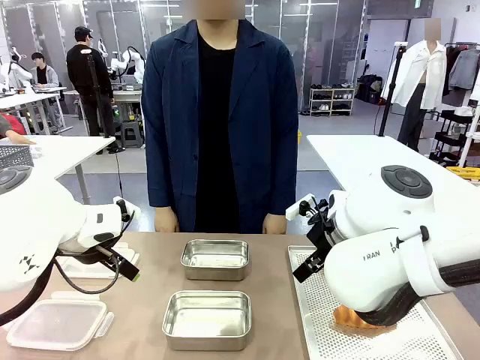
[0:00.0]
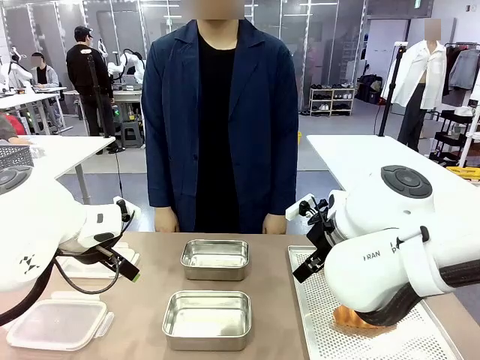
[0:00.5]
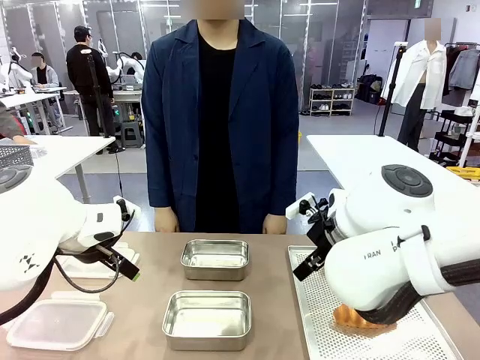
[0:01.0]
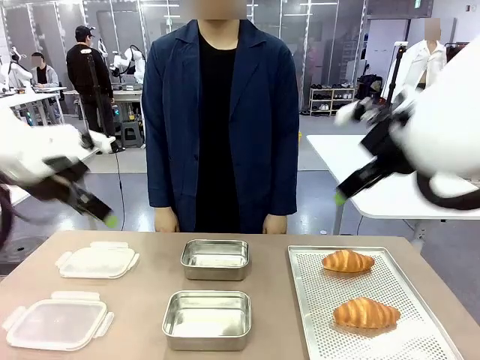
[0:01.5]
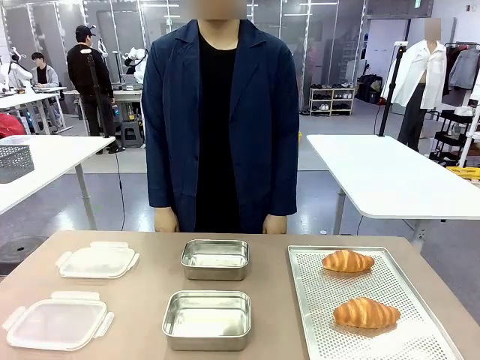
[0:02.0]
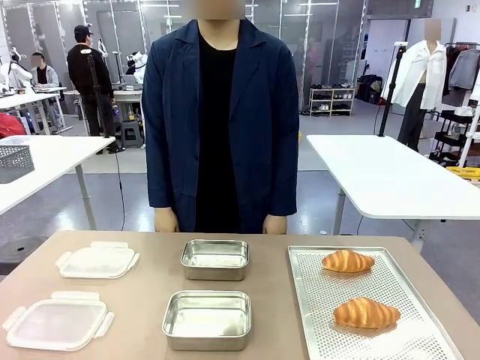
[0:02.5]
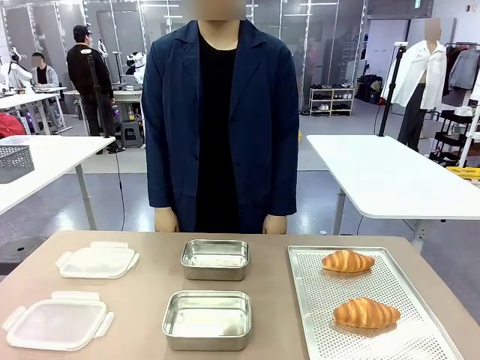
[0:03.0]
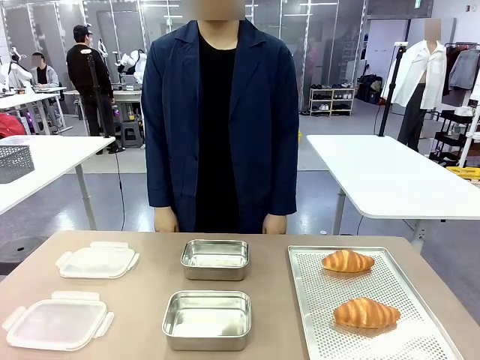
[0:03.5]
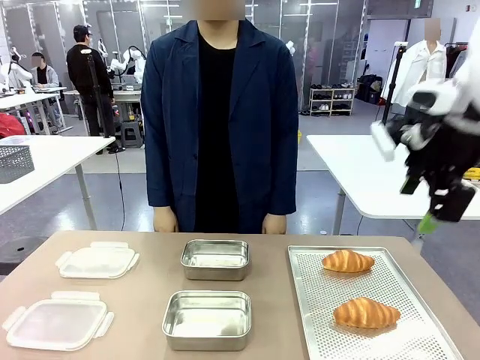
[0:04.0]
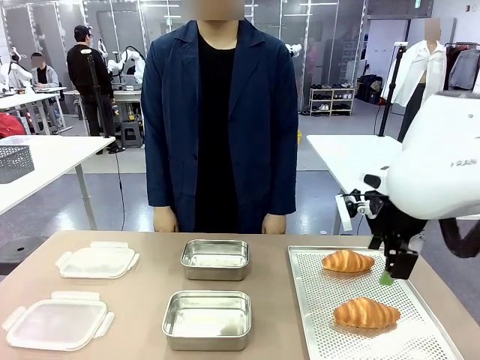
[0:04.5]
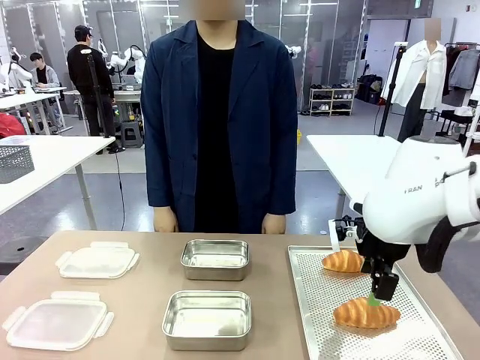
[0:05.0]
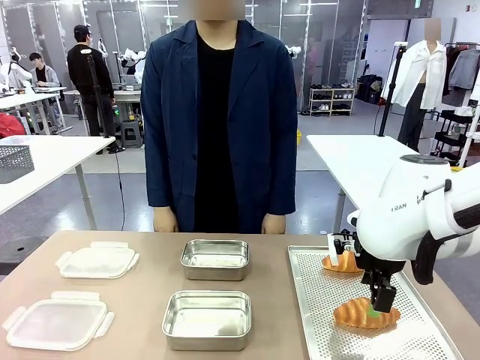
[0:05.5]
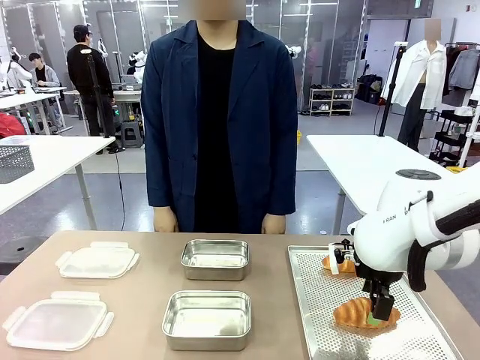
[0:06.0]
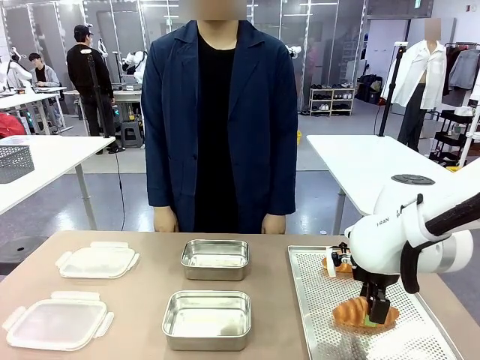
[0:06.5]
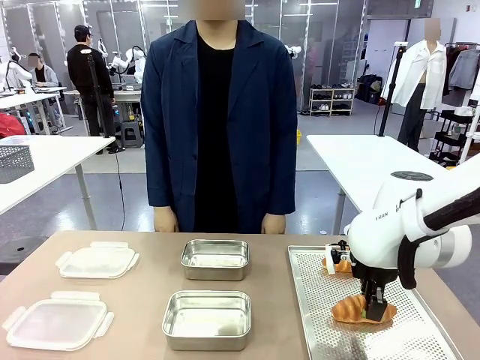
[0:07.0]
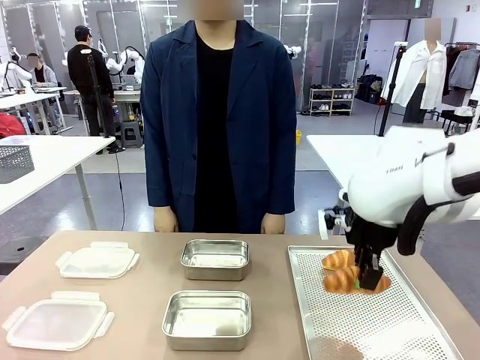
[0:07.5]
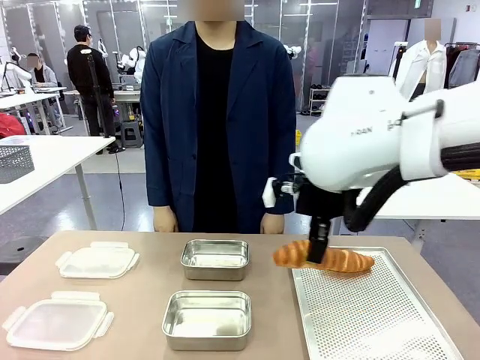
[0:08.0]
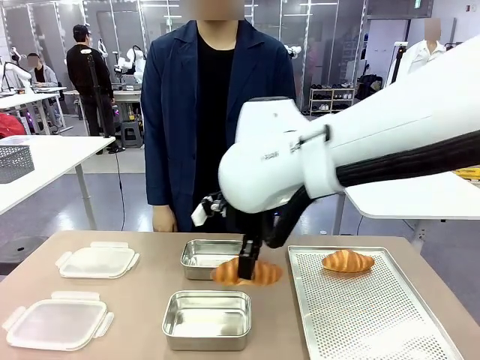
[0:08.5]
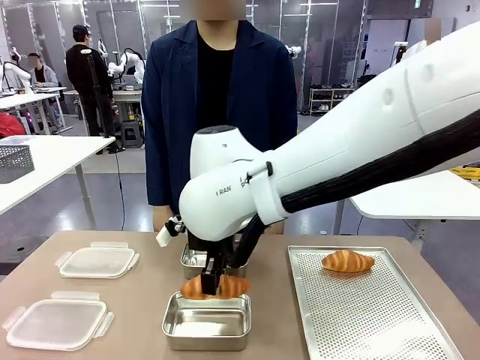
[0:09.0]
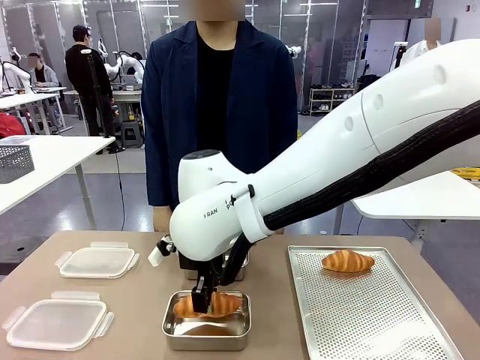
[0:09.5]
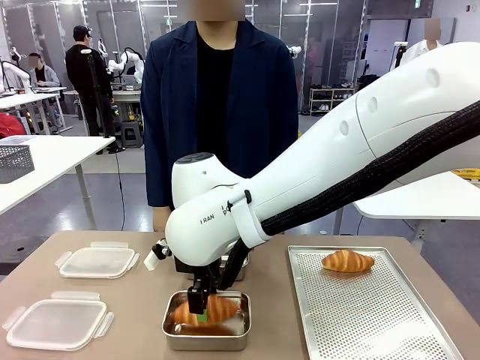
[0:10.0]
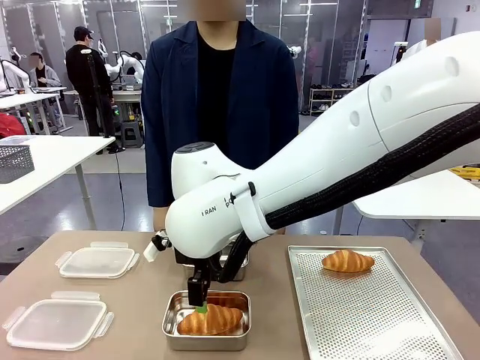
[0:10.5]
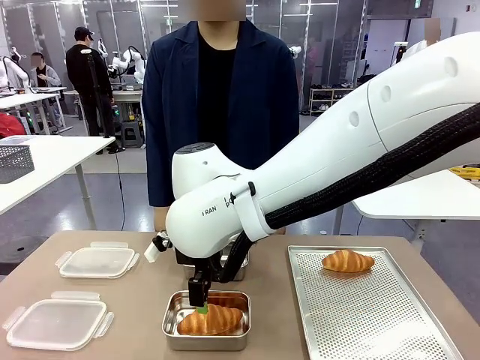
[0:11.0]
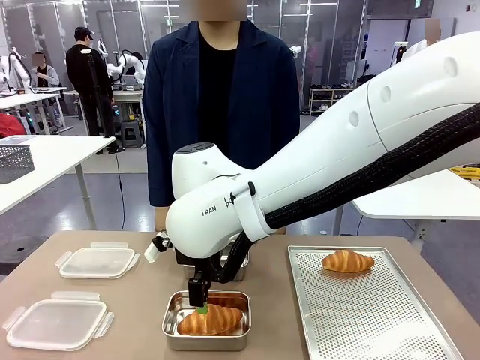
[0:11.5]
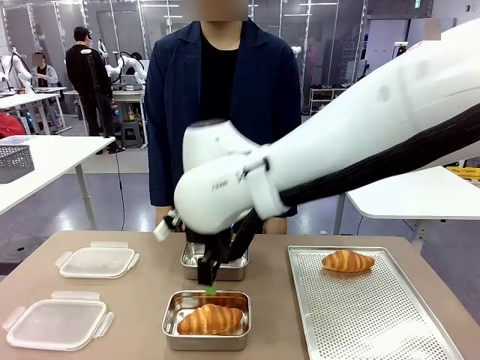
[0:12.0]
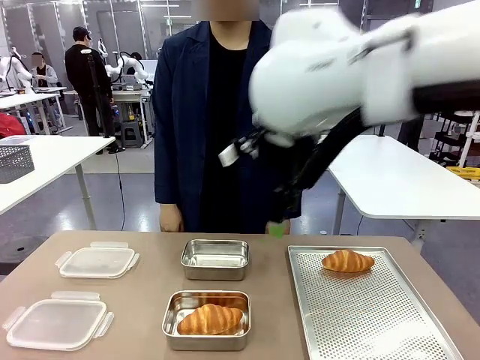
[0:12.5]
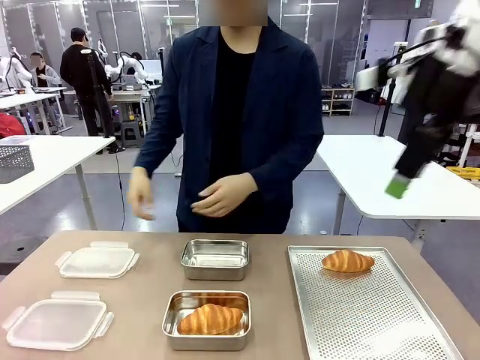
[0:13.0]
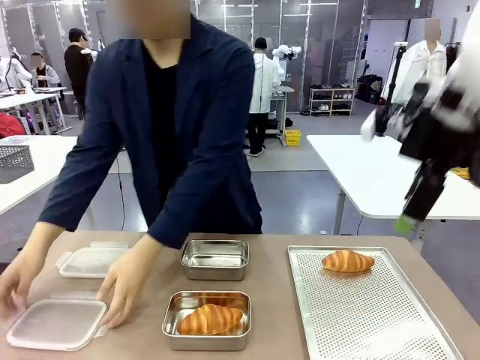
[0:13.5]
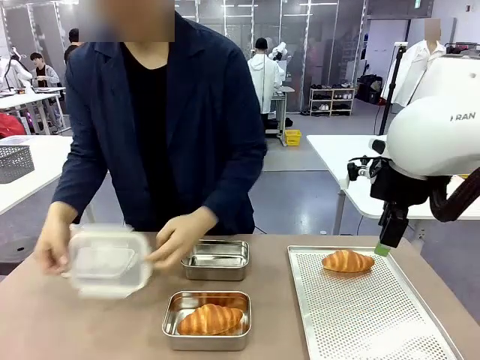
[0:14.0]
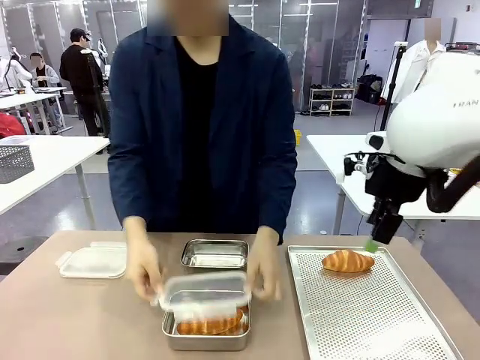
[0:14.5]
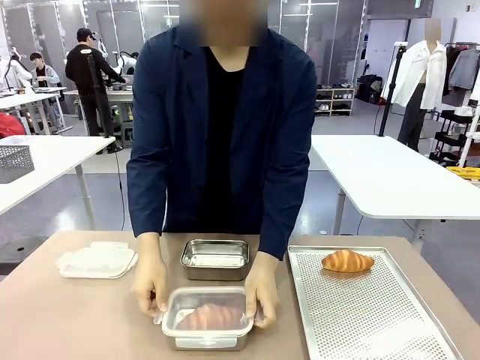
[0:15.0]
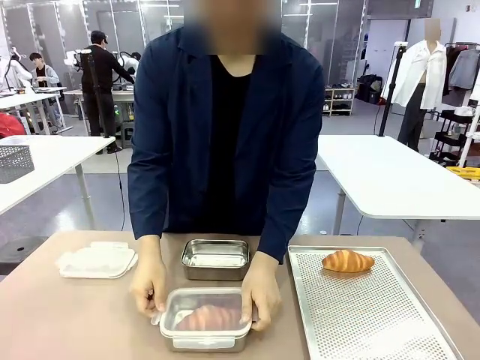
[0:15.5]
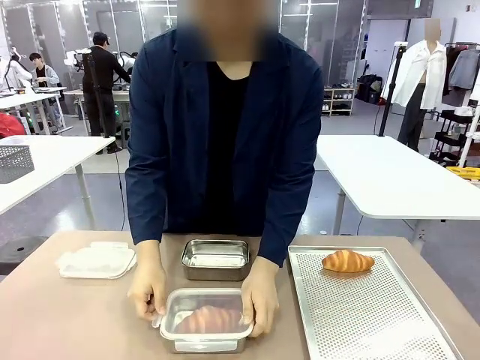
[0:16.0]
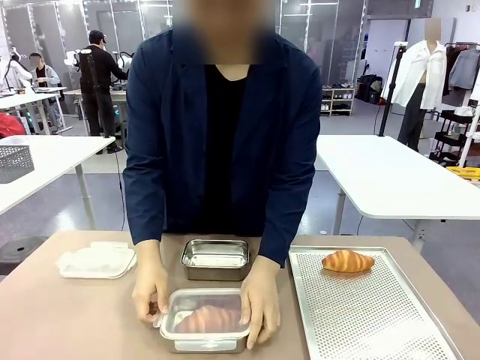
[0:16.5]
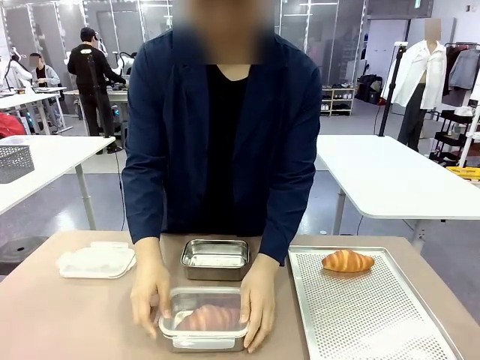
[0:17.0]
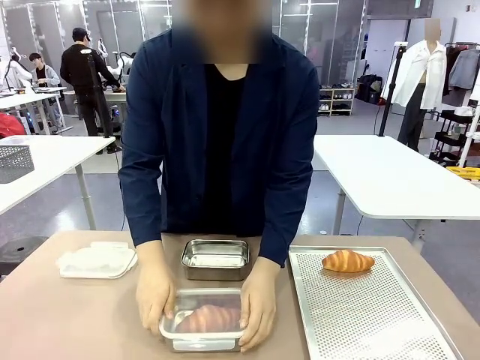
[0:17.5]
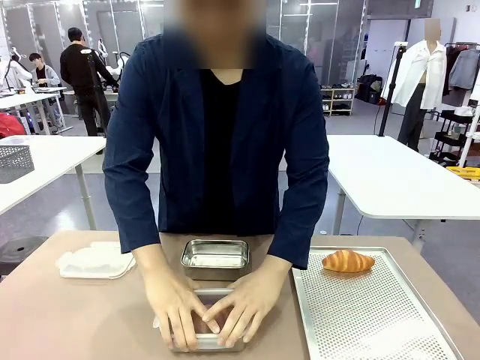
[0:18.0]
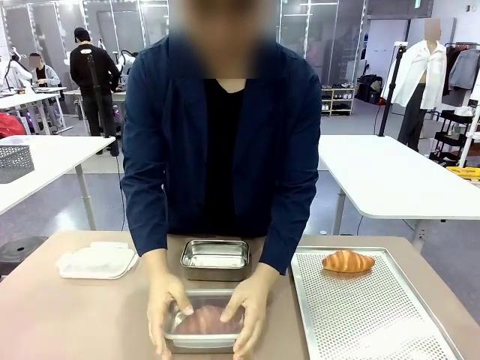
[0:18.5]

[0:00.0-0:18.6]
Task: Place the bread into the airtight container.
Robot: Pick up a Butter Roll and place it into an empty Airtight Container.

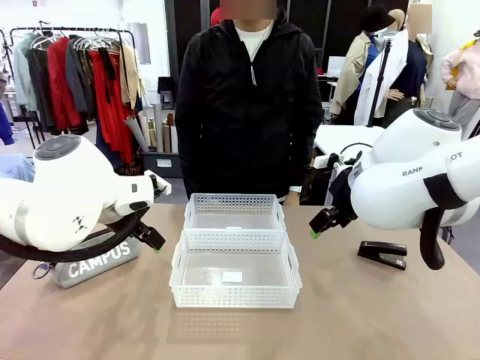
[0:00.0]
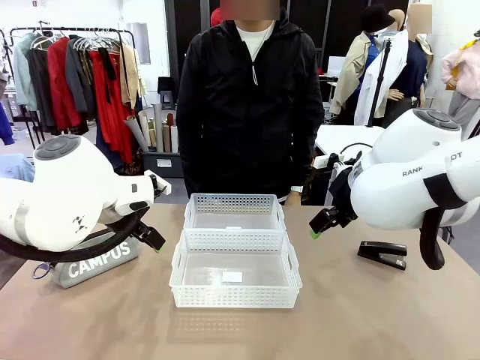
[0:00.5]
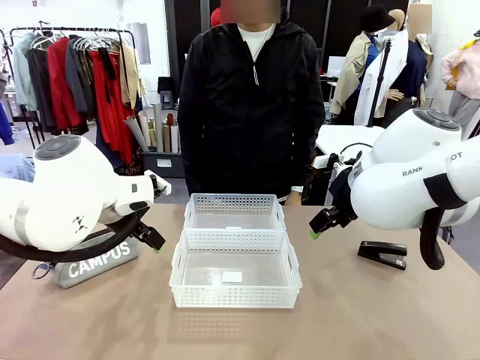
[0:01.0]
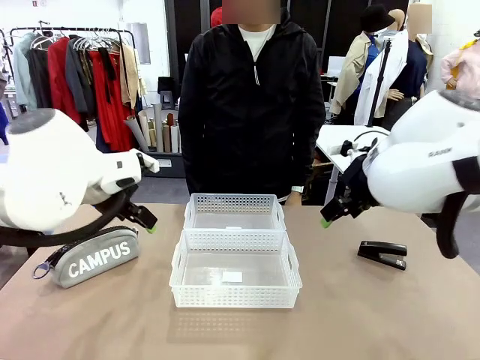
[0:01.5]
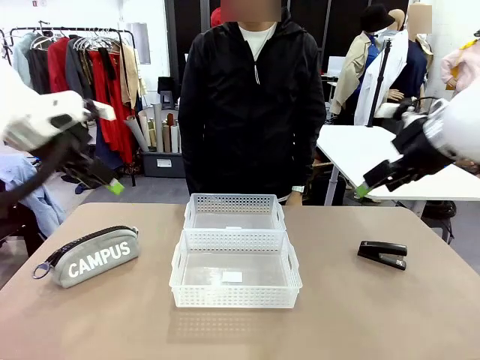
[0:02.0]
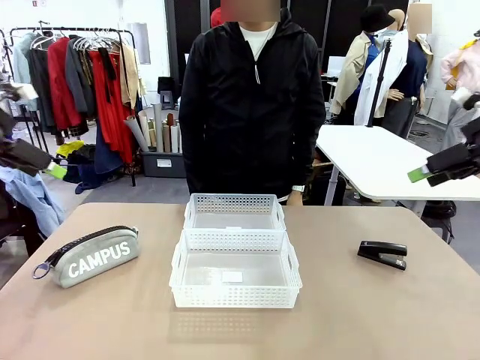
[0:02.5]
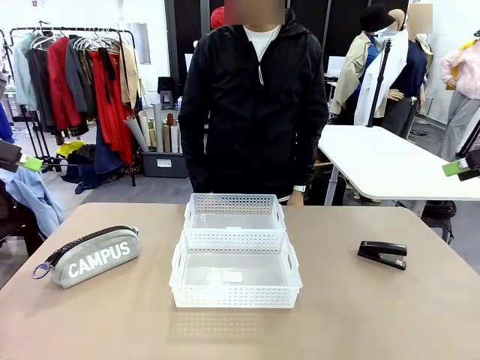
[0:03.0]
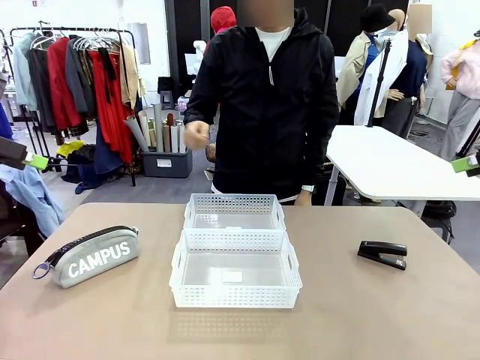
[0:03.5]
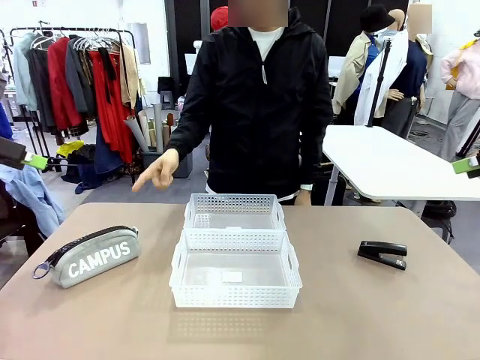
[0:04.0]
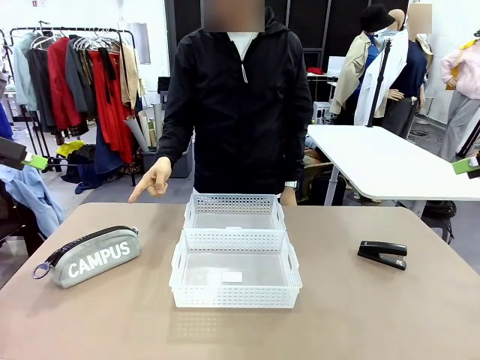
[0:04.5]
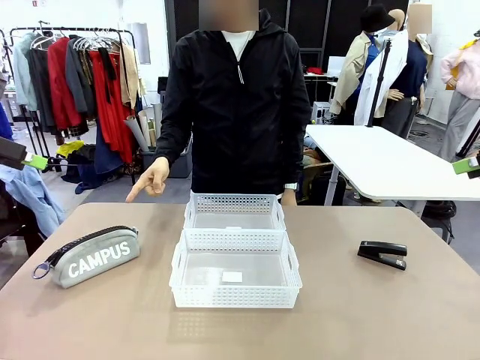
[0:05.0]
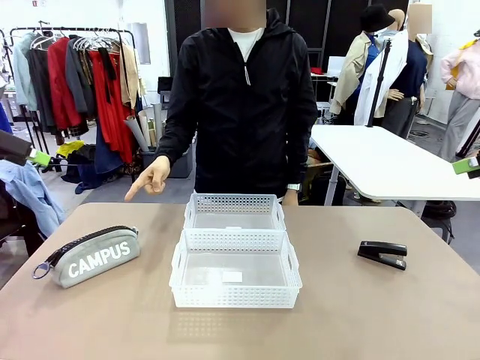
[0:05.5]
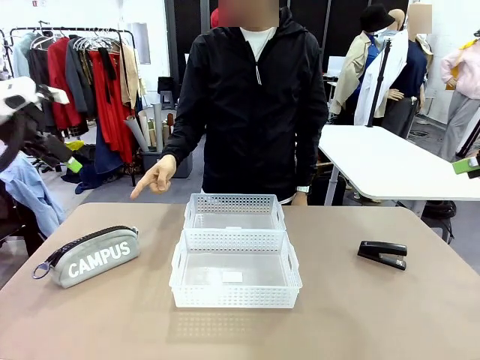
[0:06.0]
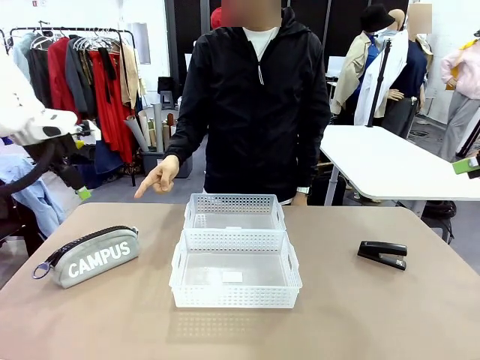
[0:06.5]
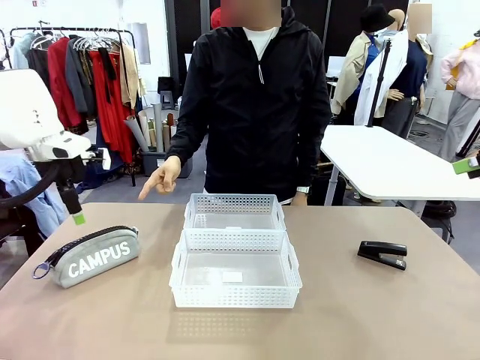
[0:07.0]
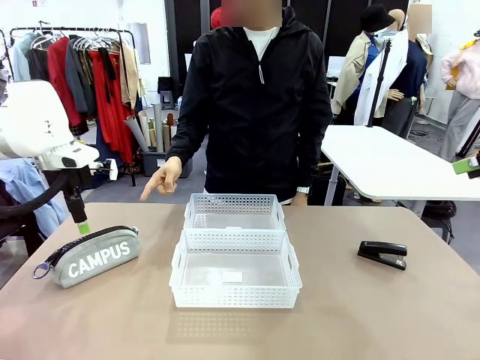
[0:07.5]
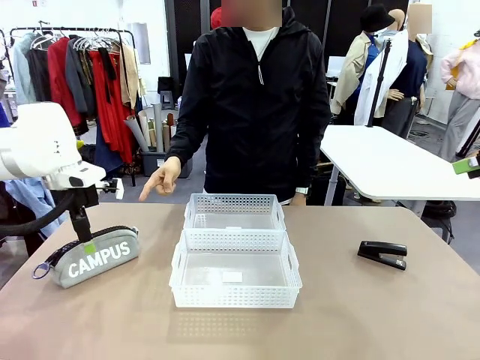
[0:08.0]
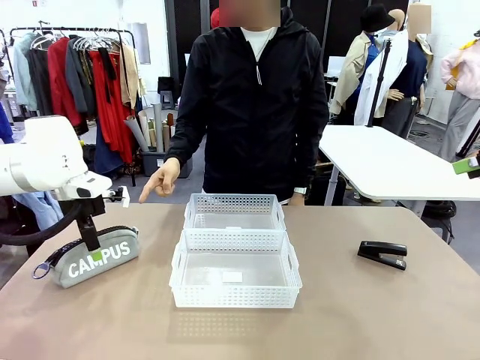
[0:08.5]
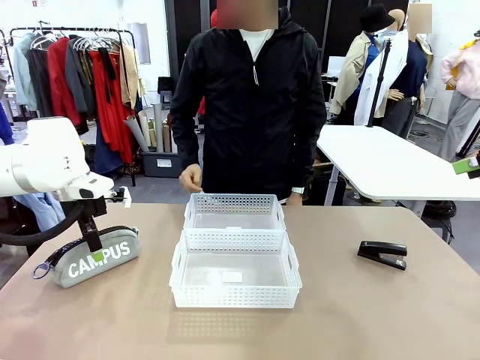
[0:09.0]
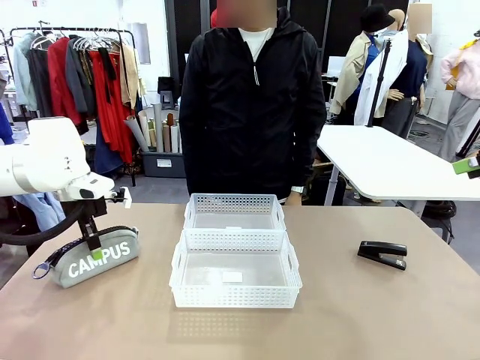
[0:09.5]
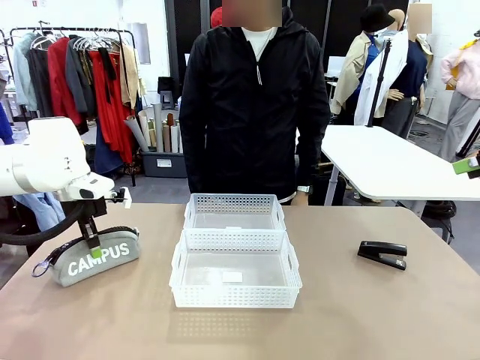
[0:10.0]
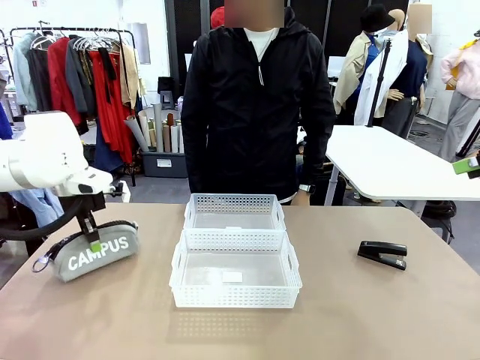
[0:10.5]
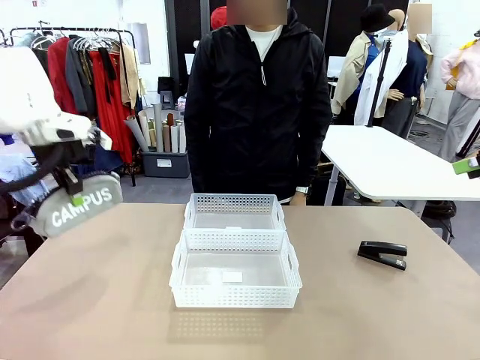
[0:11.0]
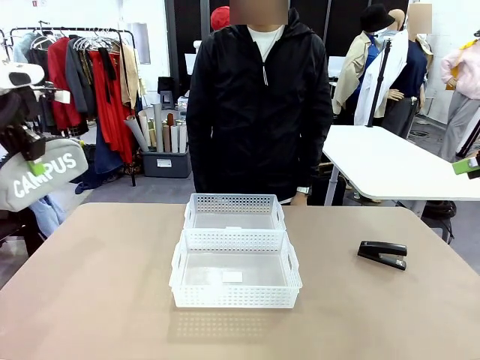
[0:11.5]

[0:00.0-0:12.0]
Task: Distribute items into two baskets.
Robot: Pick up the Pencil pouch that the person points to.
Person: Points to the pencil case. Points between the two organizing baskets and instructs the robot to move the pencil case.
